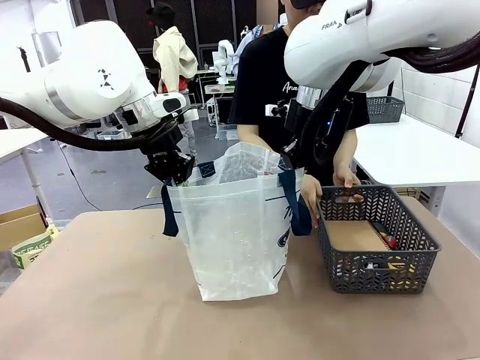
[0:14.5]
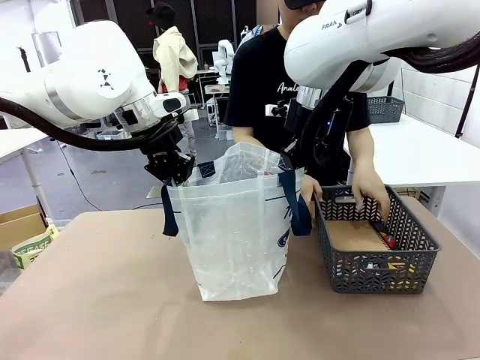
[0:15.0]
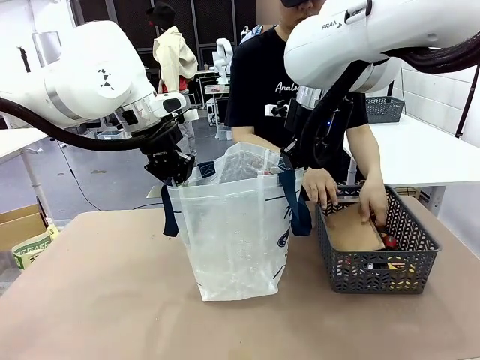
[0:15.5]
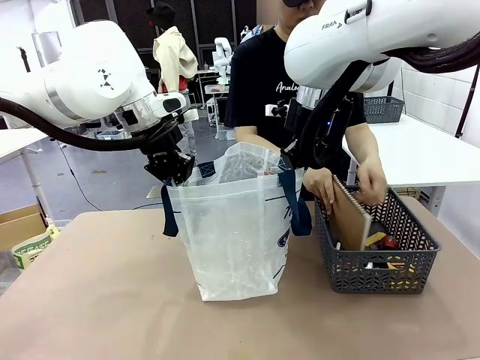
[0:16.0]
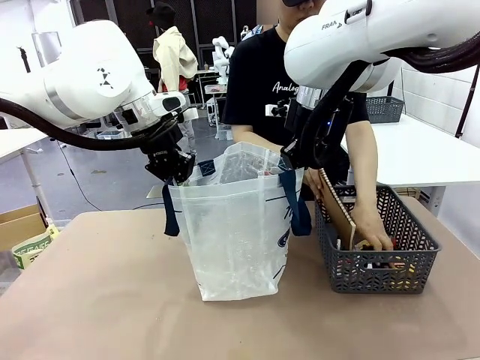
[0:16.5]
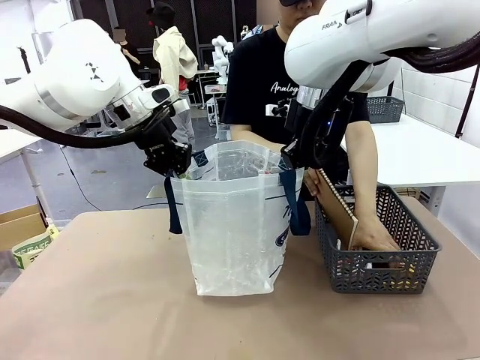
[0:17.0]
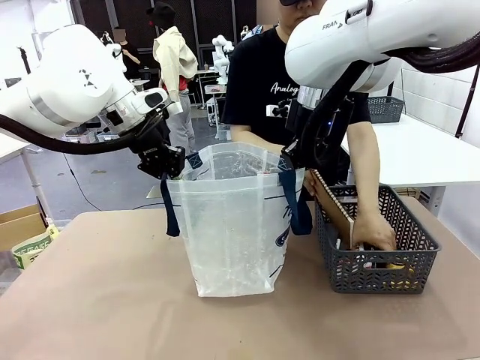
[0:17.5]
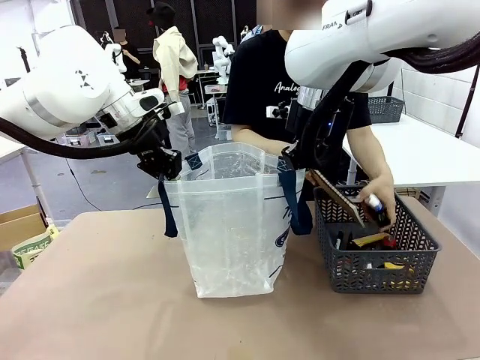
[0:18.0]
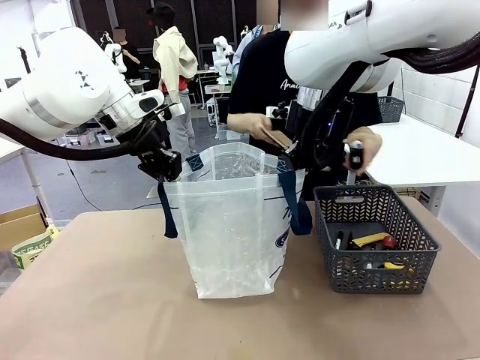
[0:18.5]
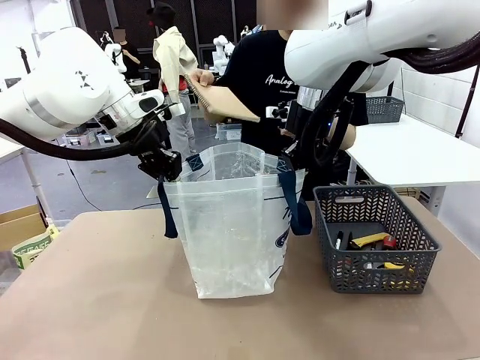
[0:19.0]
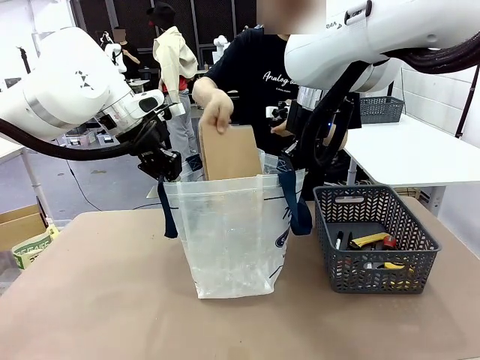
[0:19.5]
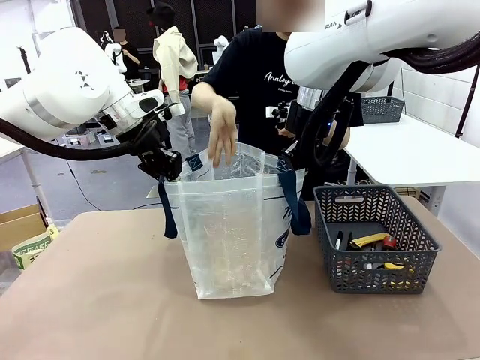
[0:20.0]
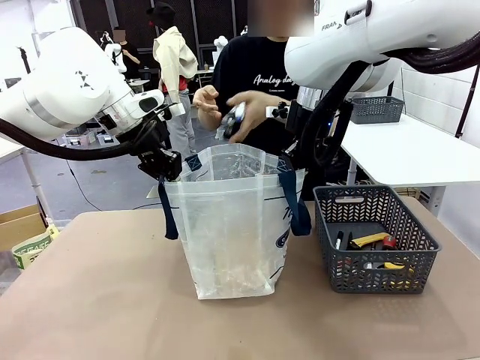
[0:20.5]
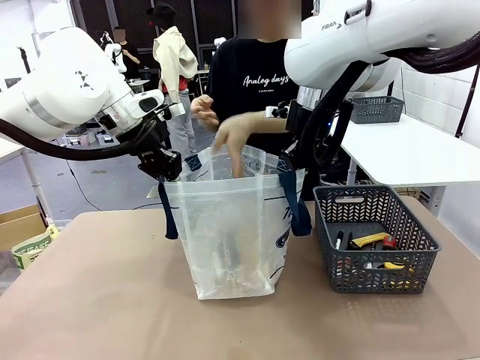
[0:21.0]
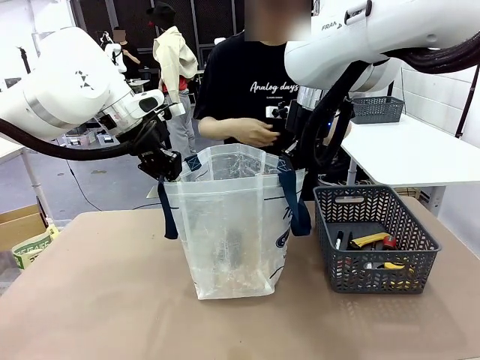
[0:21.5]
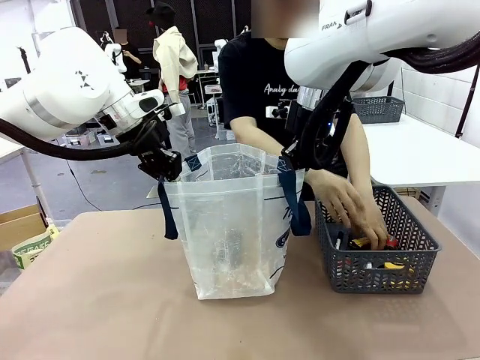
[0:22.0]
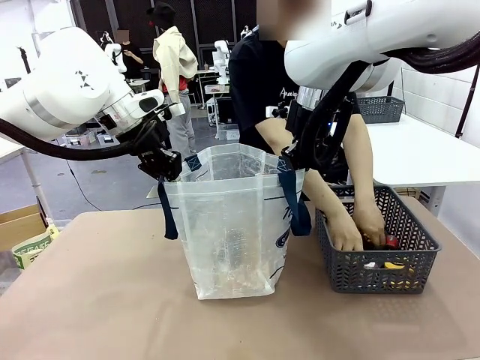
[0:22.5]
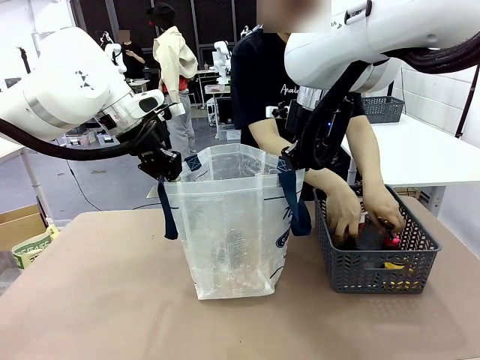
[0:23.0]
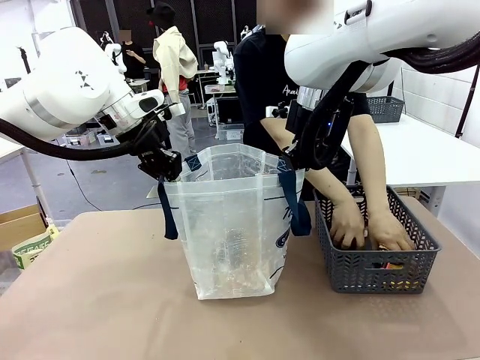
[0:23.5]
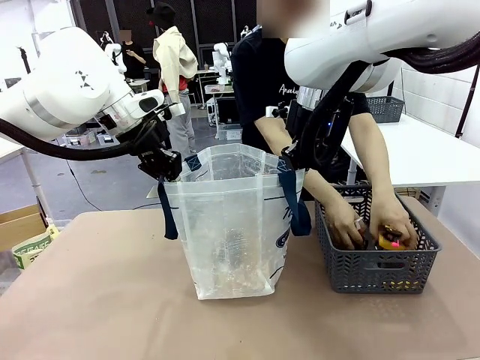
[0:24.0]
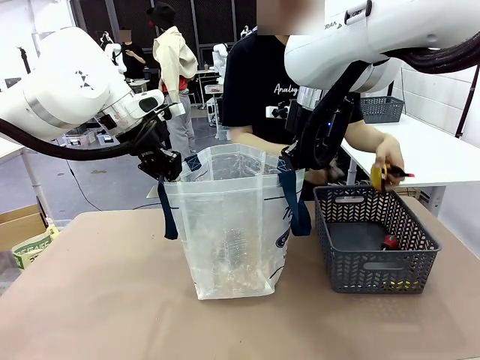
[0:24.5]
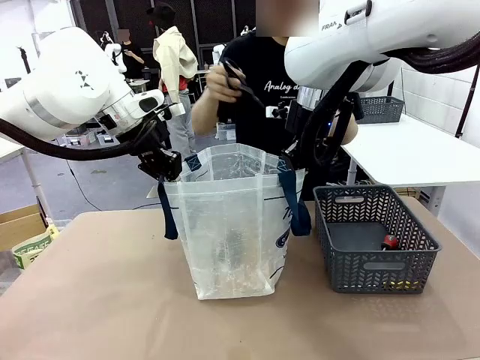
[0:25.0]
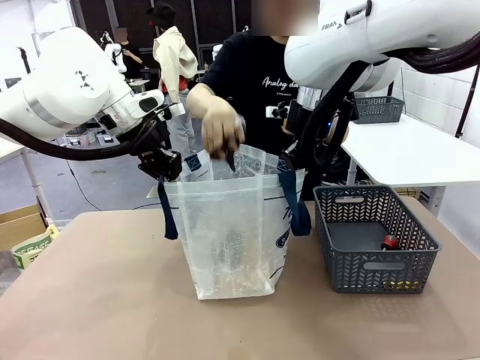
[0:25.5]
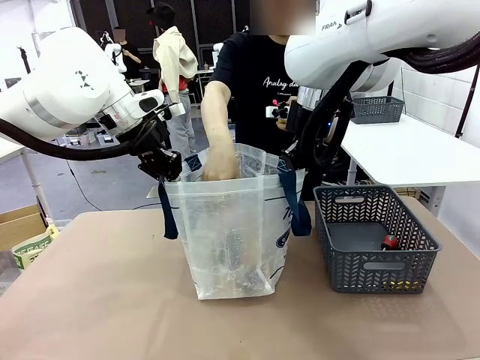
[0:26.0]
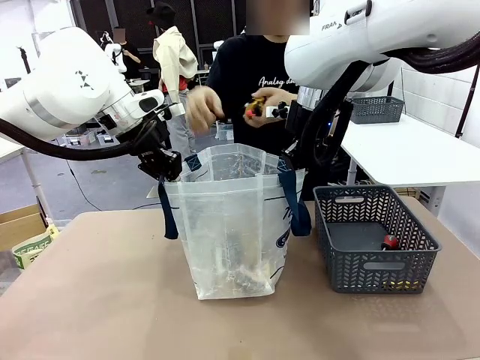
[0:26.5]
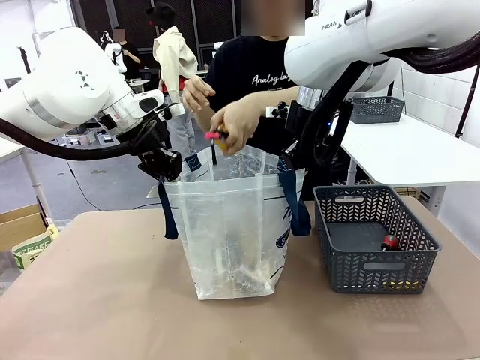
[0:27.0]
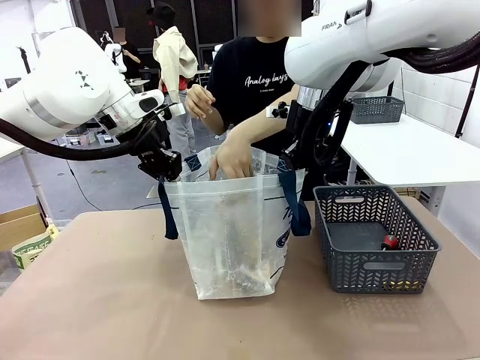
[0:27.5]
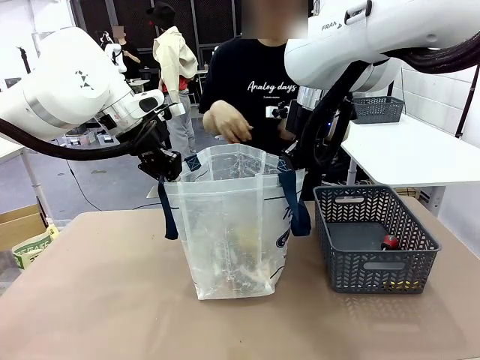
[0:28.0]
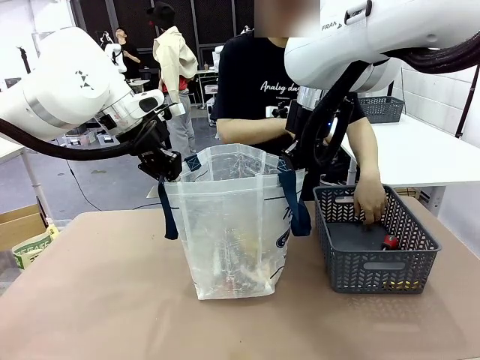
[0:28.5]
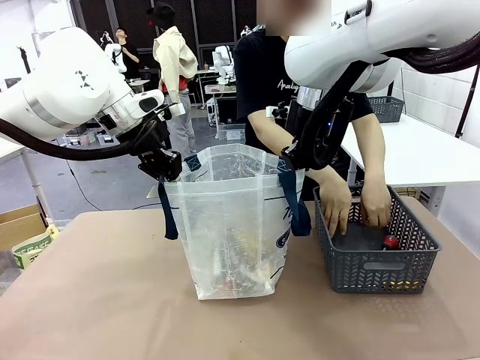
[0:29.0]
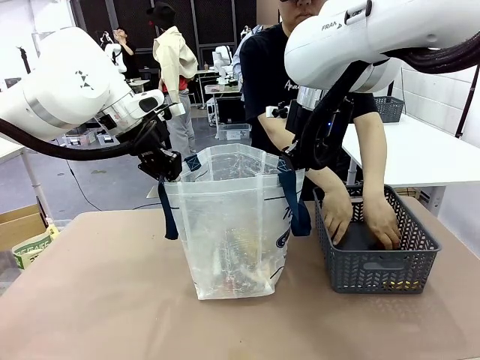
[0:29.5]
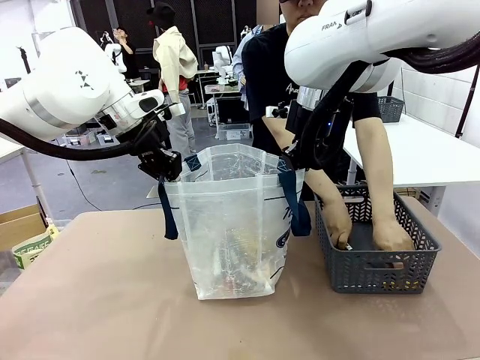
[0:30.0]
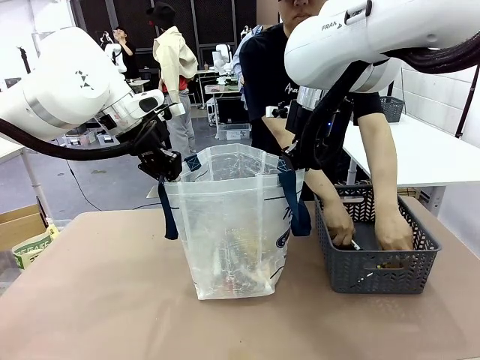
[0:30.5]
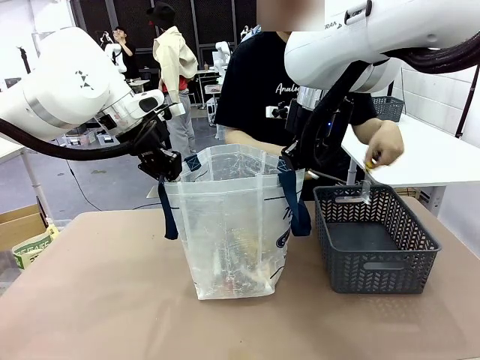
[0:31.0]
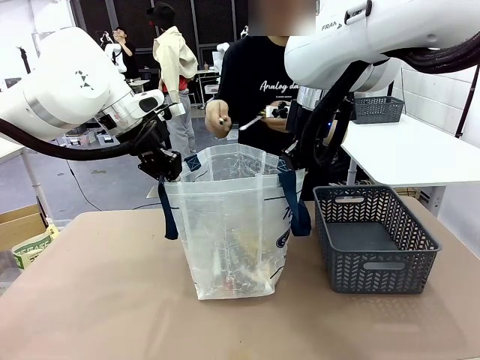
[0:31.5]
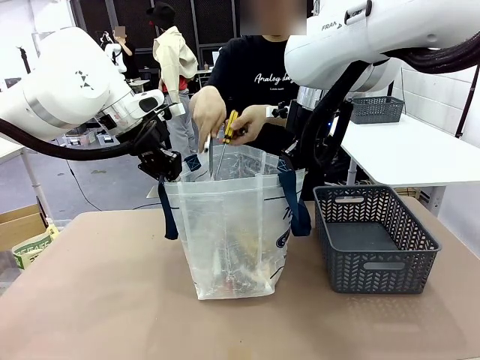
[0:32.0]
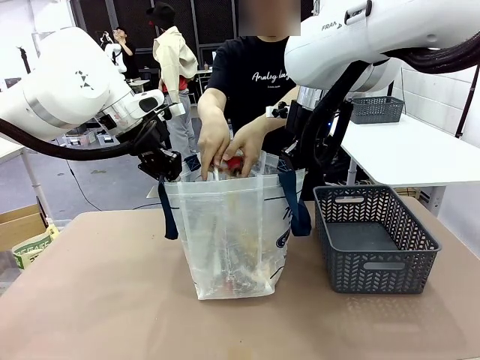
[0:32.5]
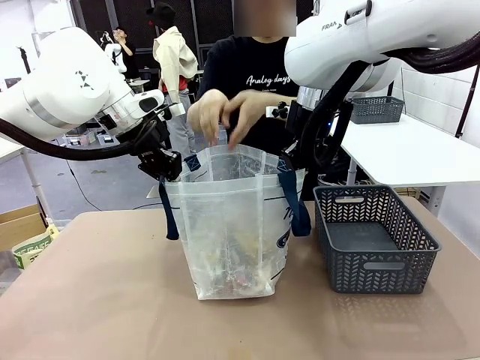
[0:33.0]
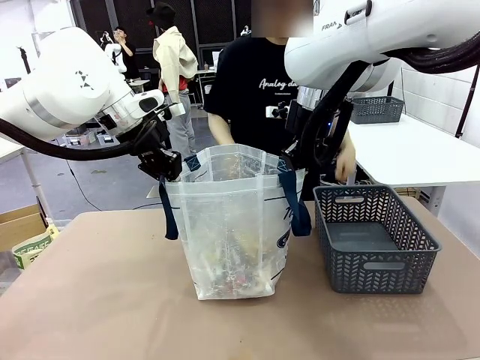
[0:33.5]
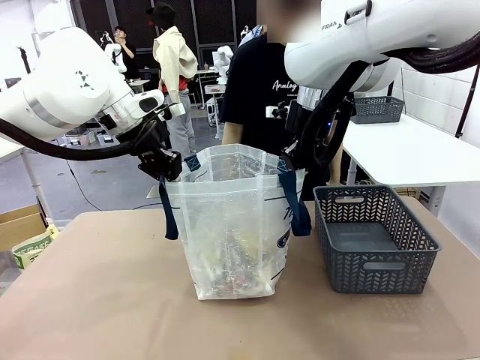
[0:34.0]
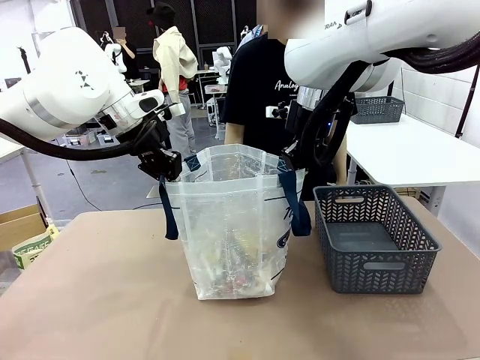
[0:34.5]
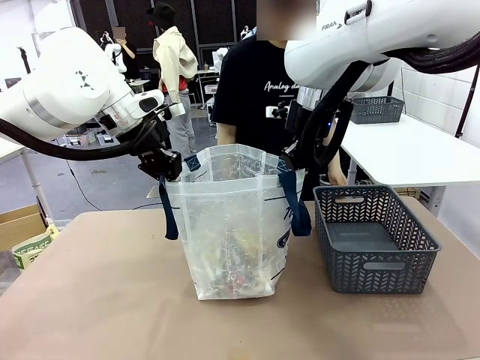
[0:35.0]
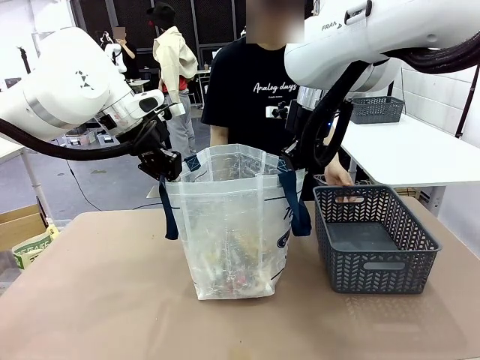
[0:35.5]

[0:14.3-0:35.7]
Task: Transfer purchased items from the store into the shopping bag.
Robot: Move the Reusable shopping bag to the right side of the table.
Person: Pick up the basket on the right, place it on the left side of the robot table, and move the items in the basket to the shopping bag.
